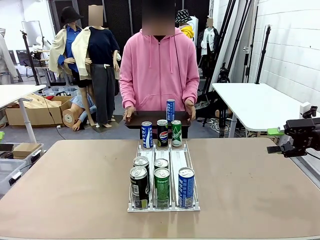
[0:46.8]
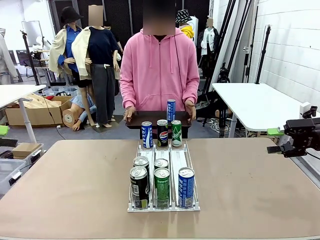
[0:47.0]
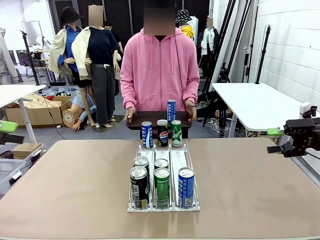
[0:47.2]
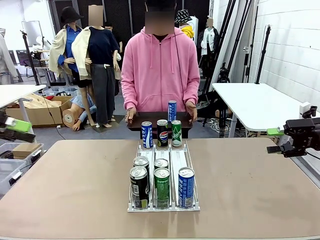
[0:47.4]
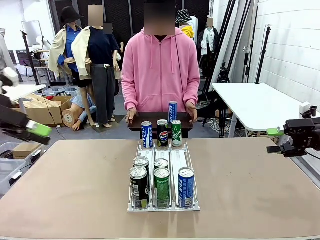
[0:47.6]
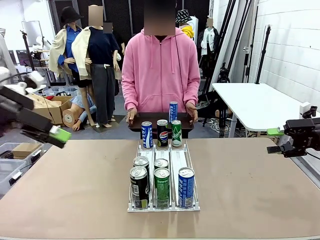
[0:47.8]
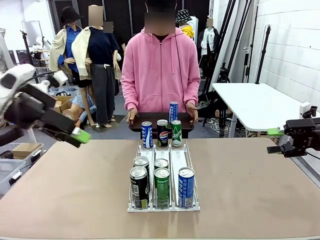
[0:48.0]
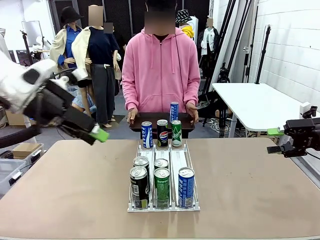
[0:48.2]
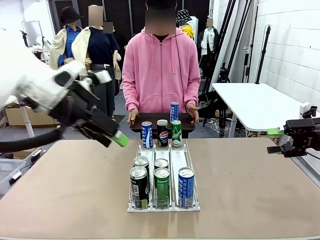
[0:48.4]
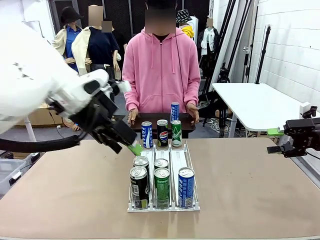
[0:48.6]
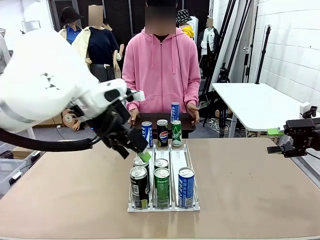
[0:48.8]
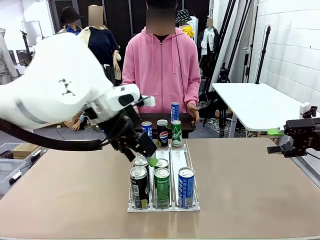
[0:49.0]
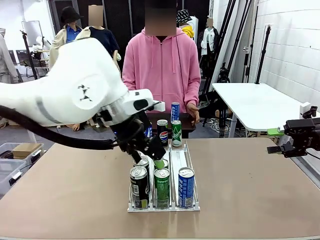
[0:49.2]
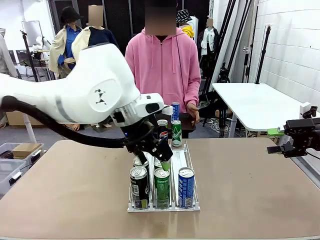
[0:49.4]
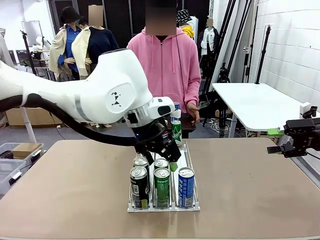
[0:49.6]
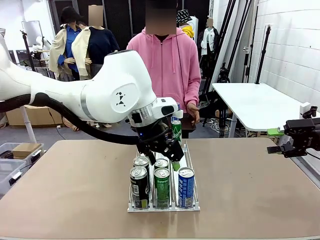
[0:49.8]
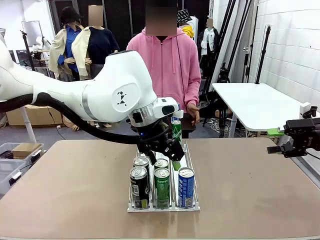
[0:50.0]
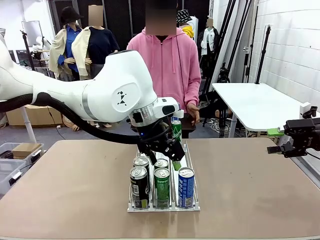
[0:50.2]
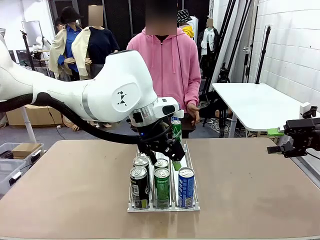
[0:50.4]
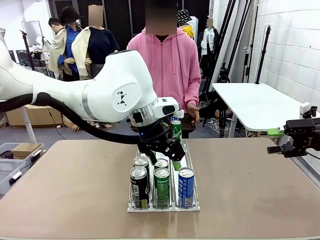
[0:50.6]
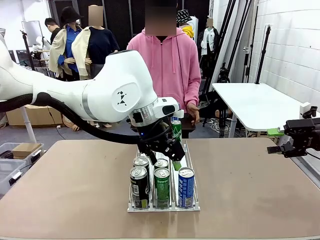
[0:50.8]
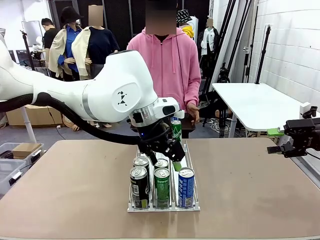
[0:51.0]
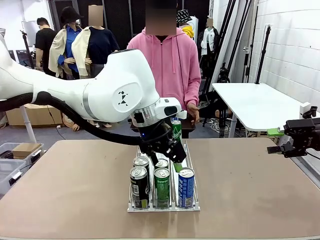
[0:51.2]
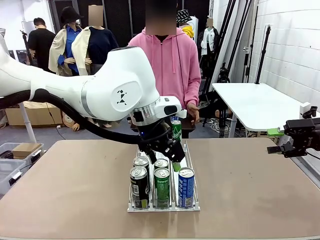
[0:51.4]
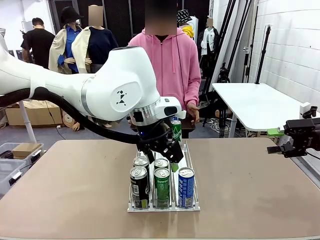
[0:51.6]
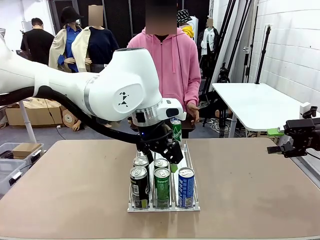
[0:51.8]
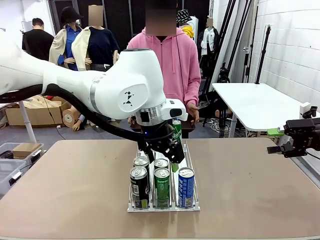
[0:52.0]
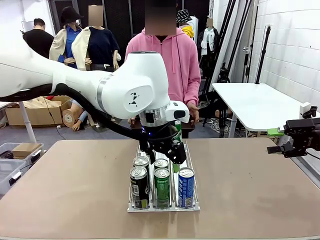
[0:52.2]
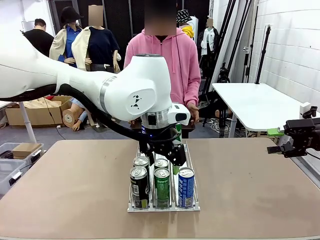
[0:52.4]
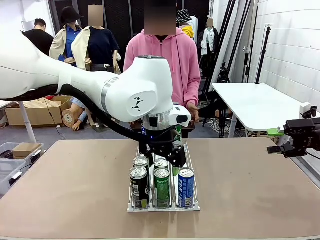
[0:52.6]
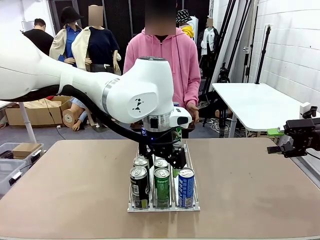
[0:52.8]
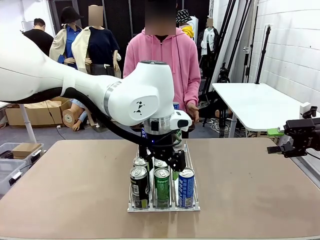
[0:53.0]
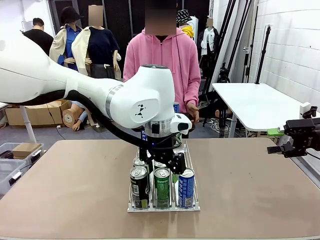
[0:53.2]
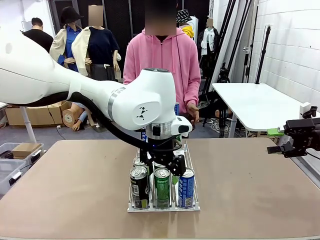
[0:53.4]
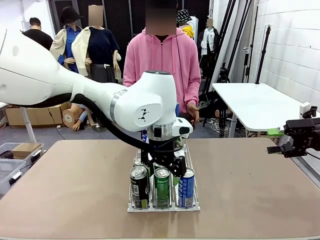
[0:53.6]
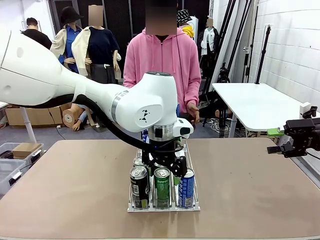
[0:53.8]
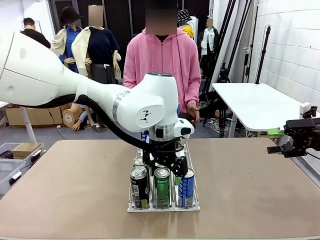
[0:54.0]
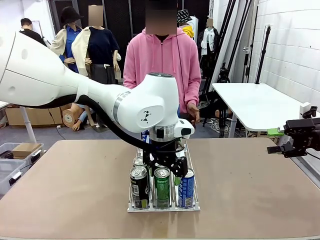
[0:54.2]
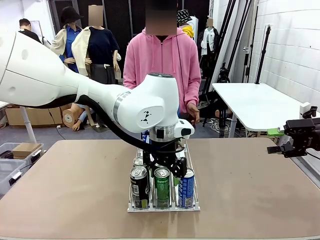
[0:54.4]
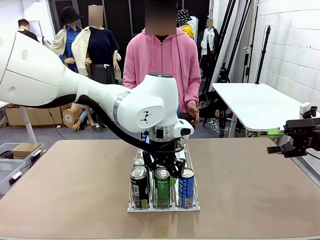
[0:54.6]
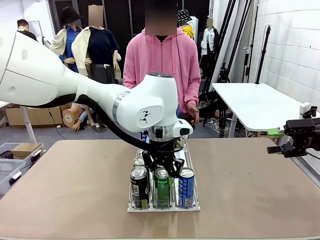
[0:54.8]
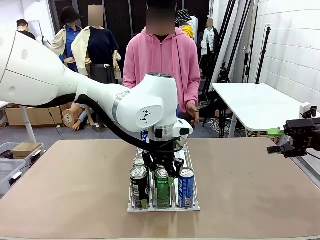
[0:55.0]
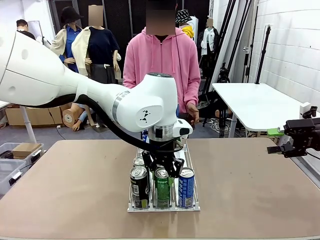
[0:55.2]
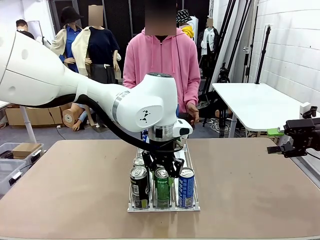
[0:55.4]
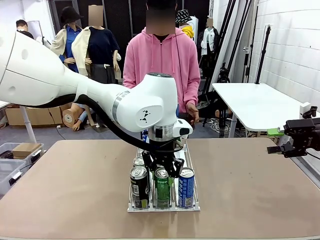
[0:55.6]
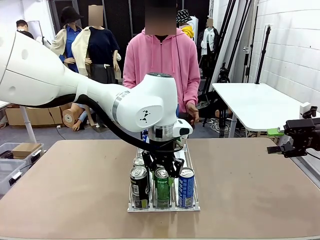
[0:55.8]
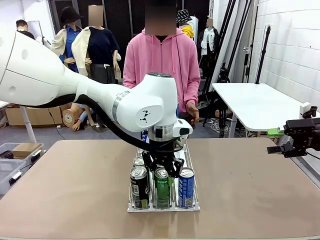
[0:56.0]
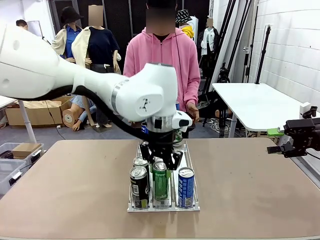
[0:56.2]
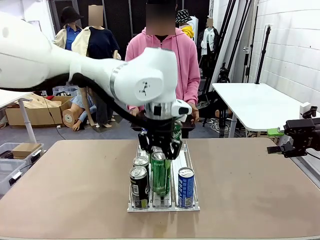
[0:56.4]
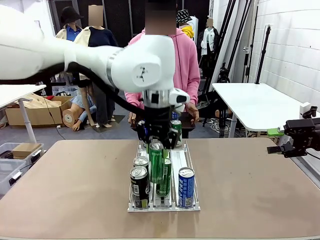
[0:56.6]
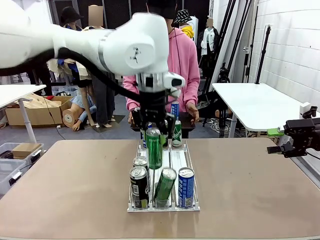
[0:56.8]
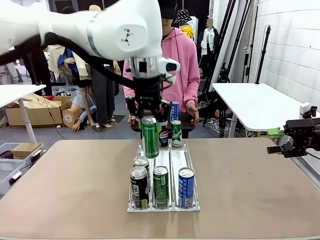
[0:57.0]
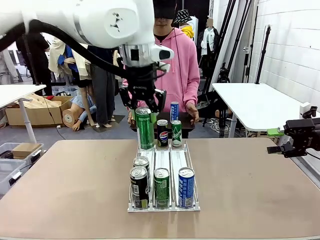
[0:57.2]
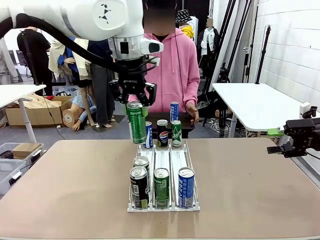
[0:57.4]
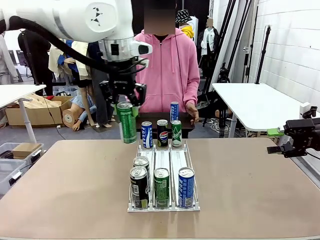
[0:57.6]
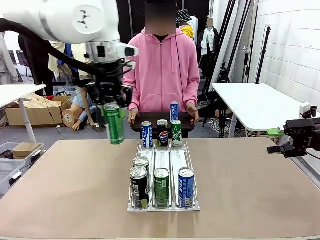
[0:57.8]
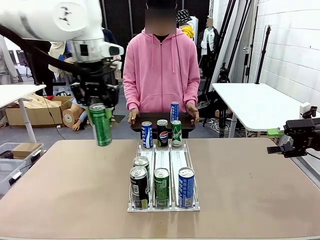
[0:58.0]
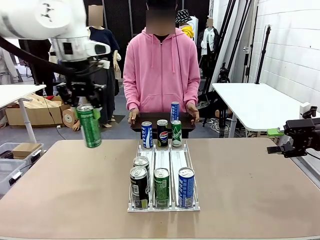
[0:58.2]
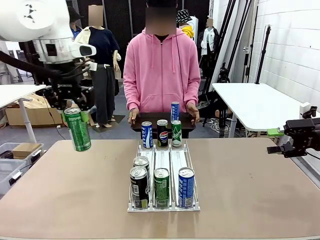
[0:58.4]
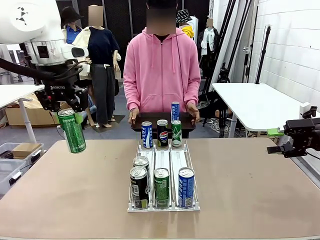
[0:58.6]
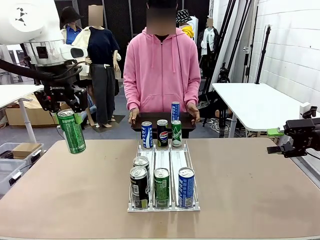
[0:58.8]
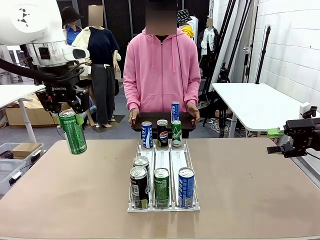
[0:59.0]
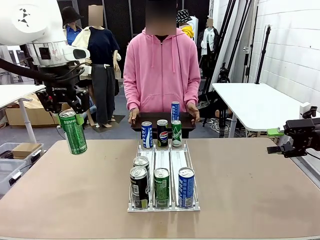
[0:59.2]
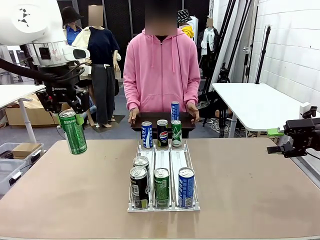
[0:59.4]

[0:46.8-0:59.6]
Task: Retrieve and hand over the desired beverage to the person.
Robot: Pick up another can of the same type that the person held from the Automatic Can Dispenser.
Person: Push the tray toward the robot again.

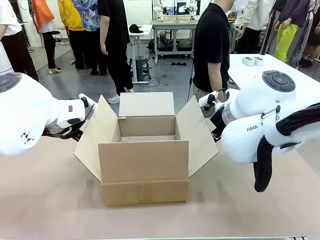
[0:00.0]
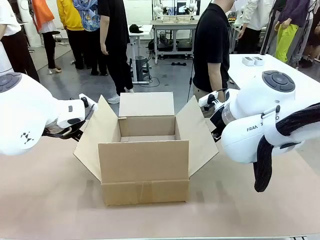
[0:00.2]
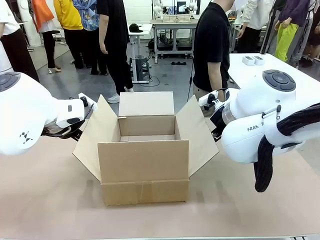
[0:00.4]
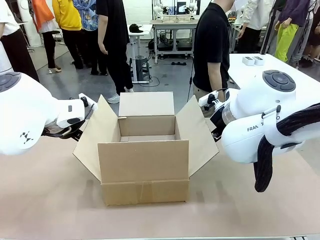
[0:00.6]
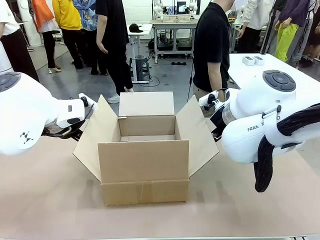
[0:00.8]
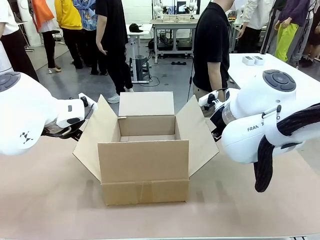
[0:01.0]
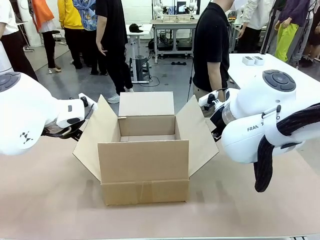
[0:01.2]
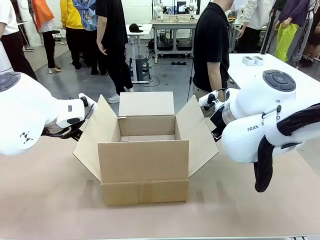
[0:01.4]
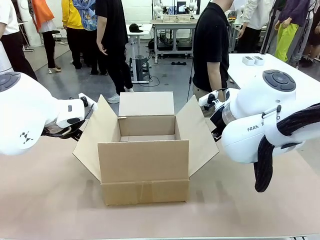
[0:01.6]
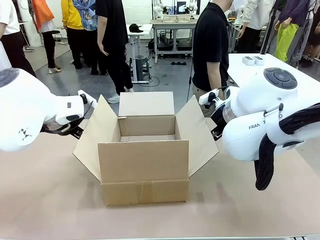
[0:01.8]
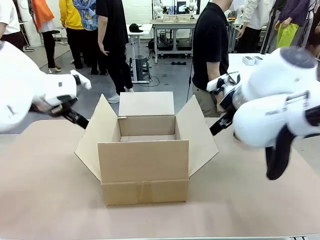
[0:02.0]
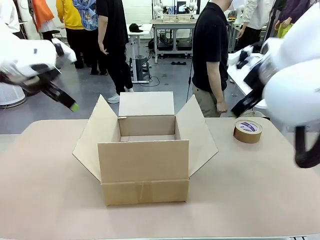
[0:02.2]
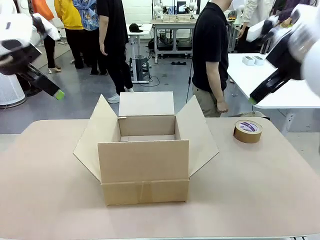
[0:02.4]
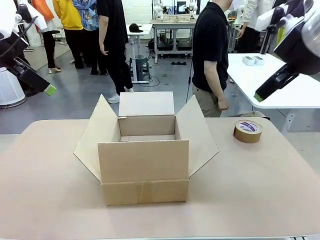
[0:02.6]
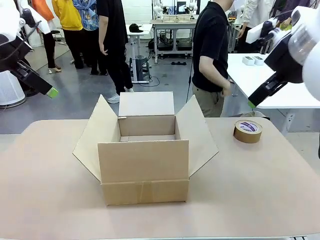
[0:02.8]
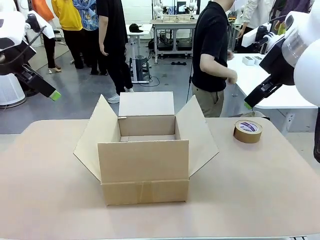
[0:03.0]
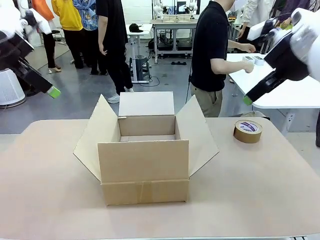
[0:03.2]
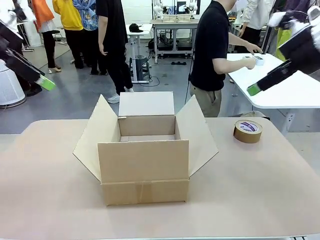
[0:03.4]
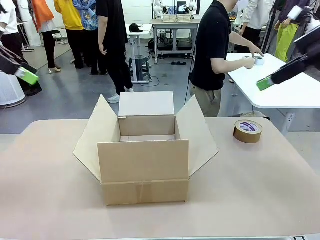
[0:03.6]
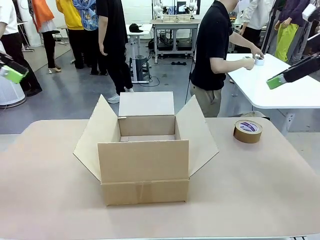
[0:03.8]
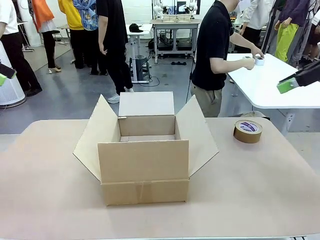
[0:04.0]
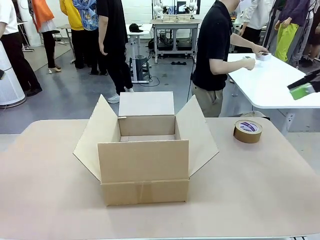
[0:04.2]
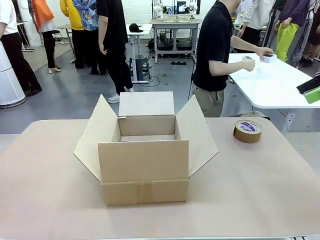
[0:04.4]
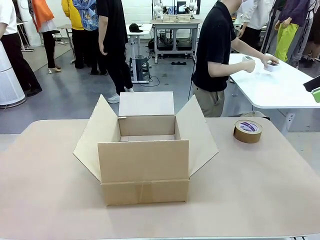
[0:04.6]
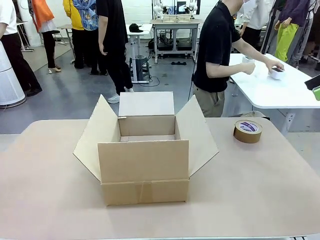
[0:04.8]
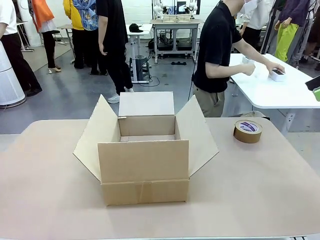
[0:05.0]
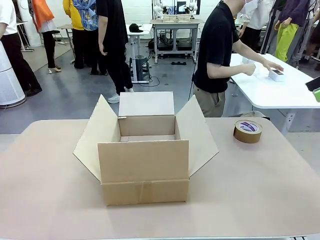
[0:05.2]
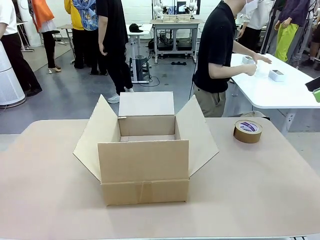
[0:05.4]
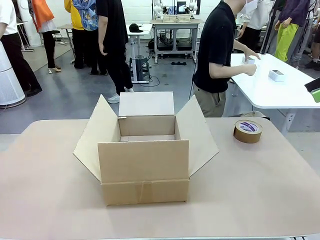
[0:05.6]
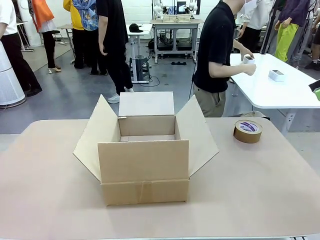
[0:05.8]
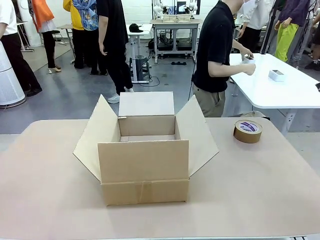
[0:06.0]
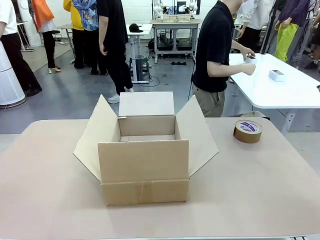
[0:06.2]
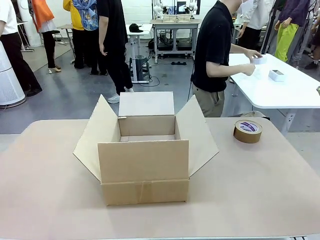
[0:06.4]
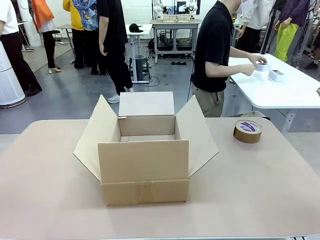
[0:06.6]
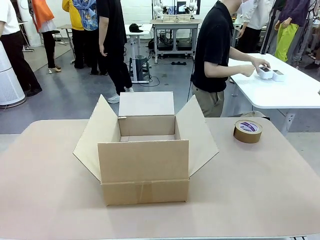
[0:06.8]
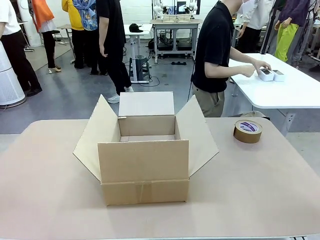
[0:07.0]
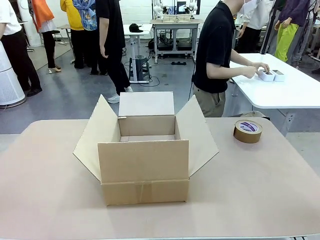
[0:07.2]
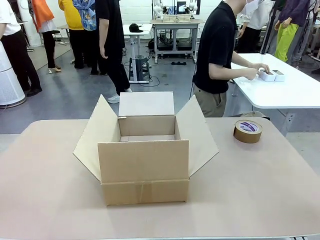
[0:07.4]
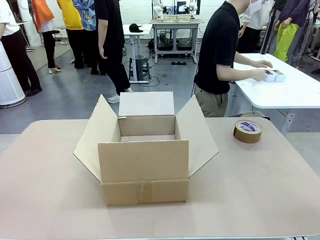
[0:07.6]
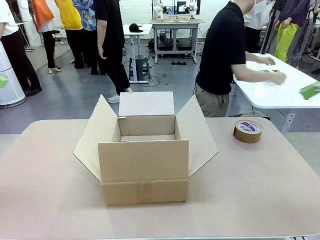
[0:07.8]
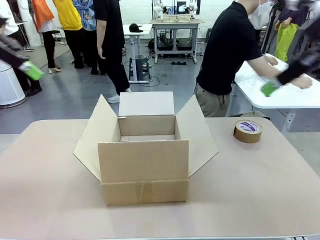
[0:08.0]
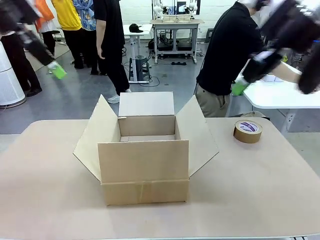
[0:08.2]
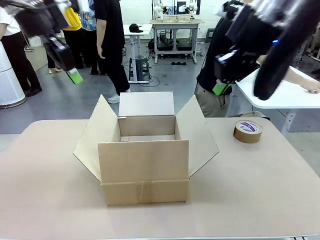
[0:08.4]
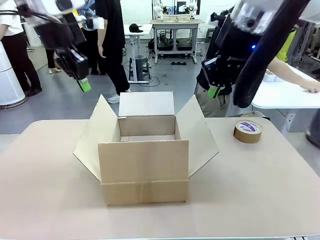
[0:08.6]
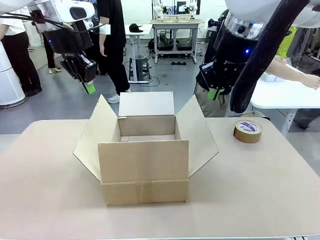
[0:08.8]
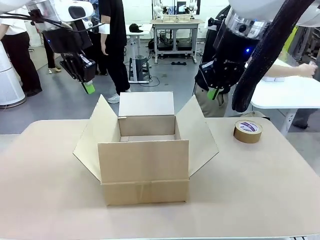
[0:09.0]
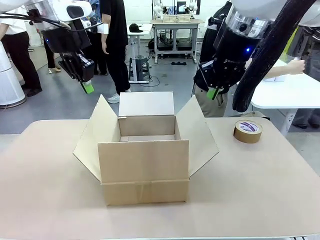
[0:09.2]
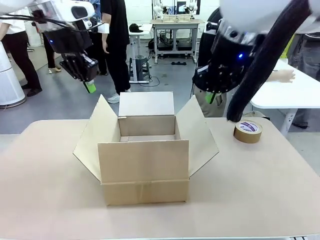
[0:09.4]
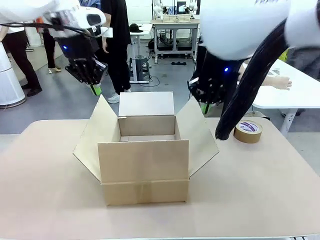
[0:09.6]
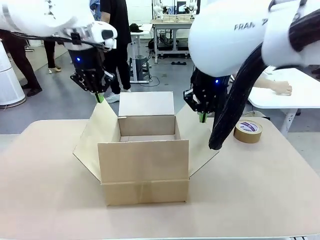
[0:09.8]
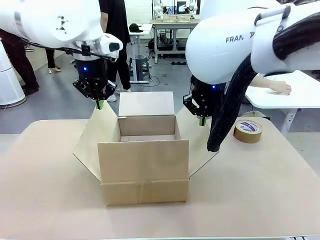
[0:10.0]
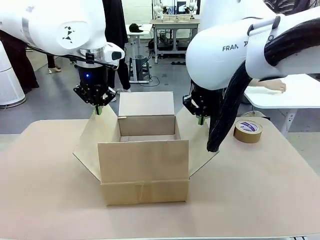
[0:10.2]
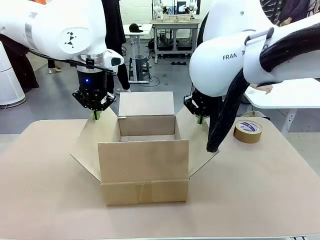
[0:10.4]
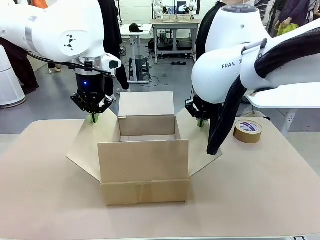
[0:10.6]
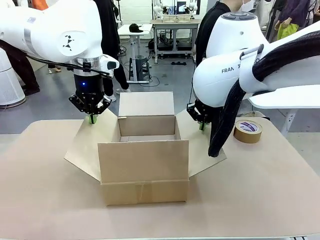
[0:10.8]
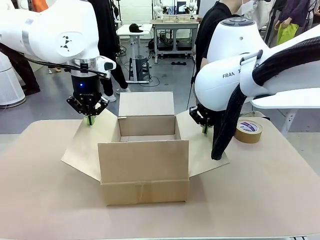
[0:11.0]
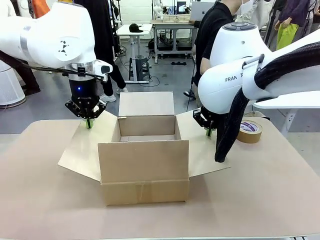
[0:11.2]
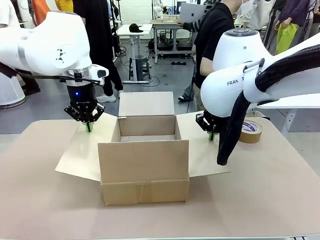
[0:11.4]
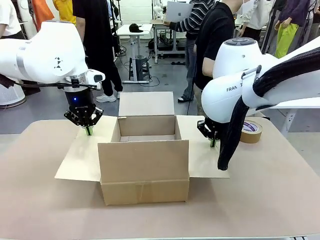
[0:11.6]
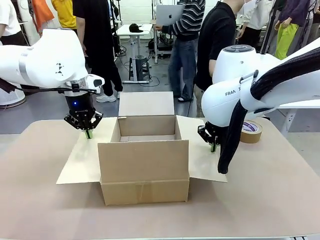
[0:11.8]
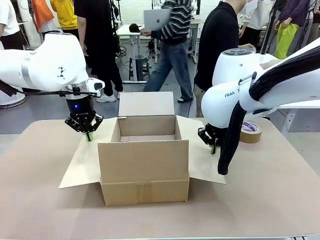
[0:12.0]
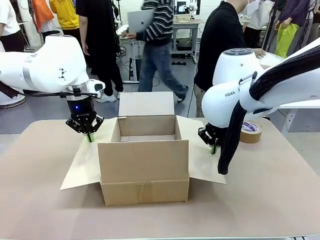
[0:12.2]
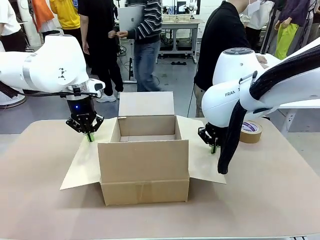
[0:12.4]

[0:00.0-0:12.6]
Task: Wrap the clocks to prevent damage.
Robot: Open the side flaps of the Package Box.
Person: Wrap the two Digital clocks with Bubble Wrap.
